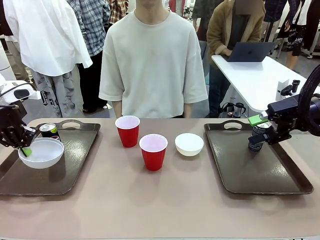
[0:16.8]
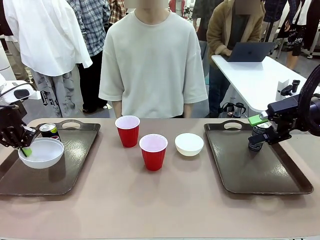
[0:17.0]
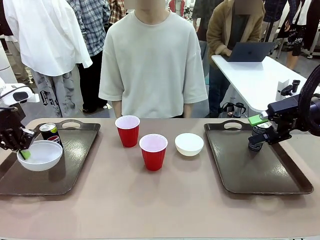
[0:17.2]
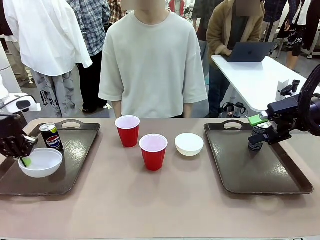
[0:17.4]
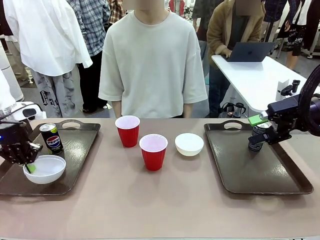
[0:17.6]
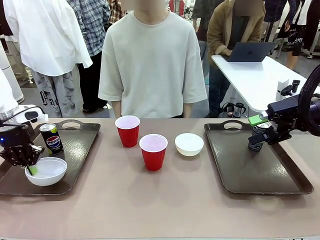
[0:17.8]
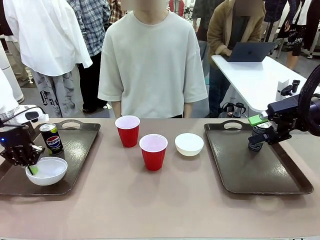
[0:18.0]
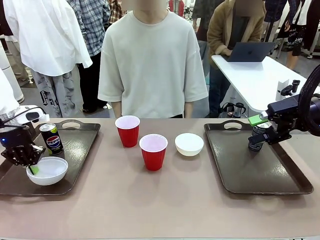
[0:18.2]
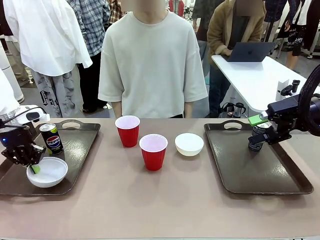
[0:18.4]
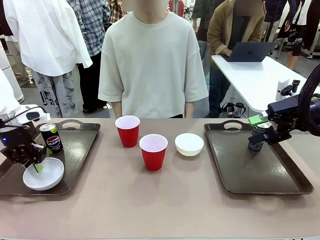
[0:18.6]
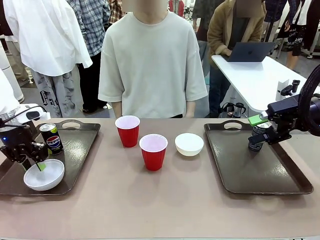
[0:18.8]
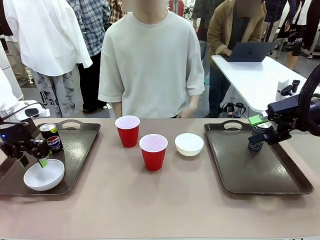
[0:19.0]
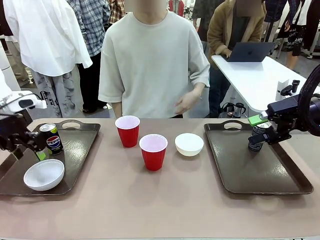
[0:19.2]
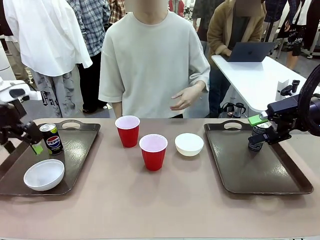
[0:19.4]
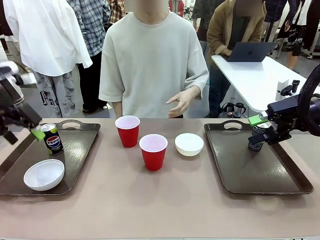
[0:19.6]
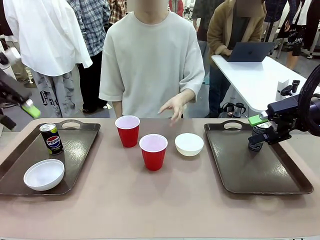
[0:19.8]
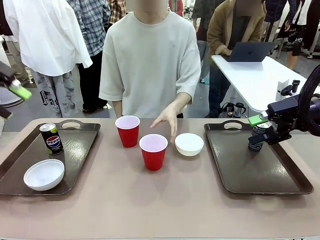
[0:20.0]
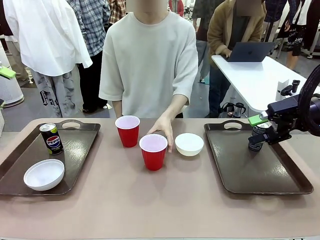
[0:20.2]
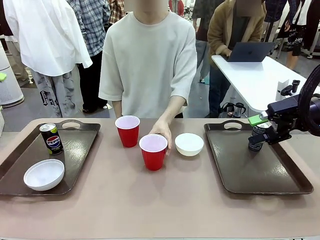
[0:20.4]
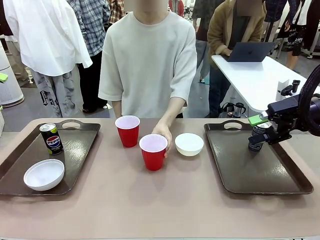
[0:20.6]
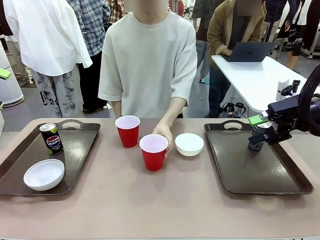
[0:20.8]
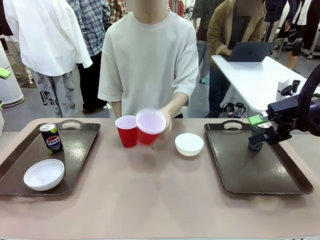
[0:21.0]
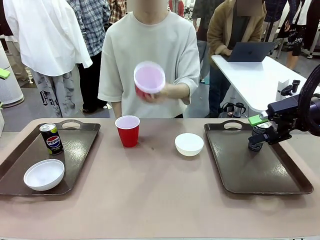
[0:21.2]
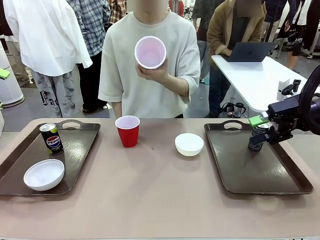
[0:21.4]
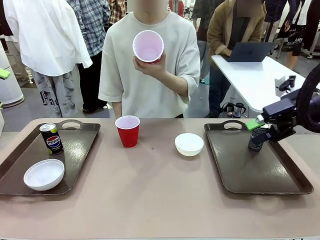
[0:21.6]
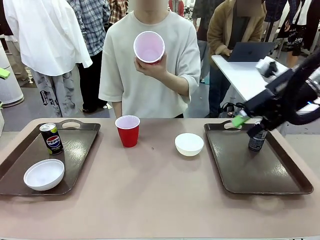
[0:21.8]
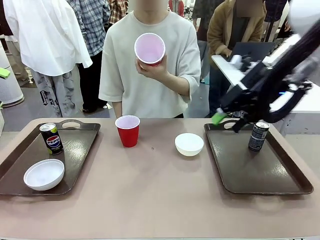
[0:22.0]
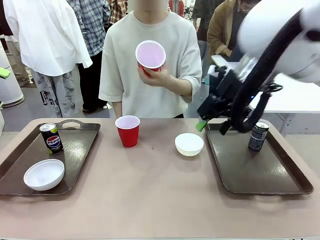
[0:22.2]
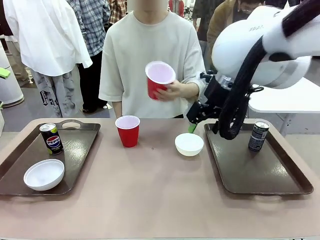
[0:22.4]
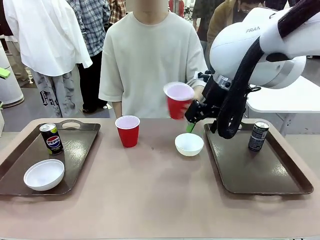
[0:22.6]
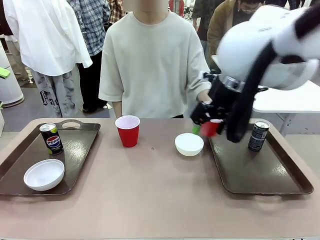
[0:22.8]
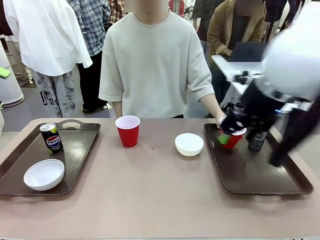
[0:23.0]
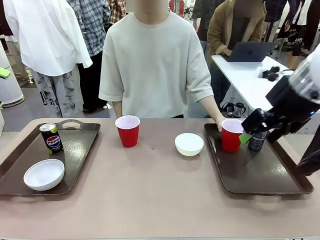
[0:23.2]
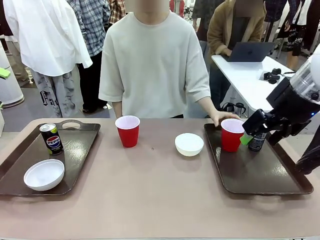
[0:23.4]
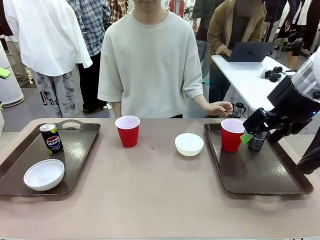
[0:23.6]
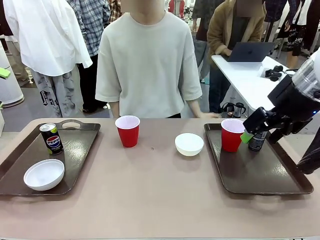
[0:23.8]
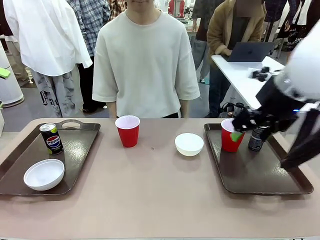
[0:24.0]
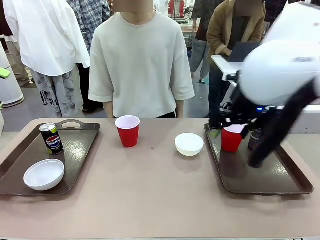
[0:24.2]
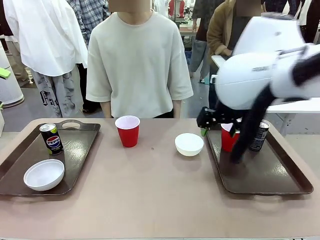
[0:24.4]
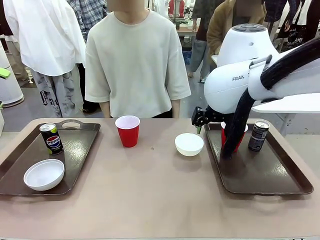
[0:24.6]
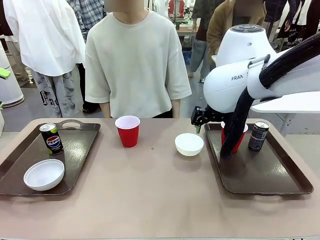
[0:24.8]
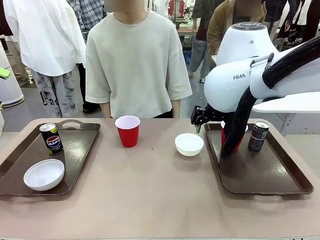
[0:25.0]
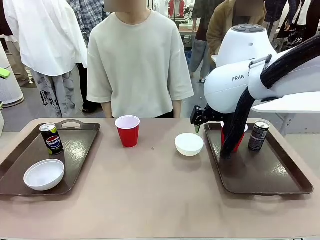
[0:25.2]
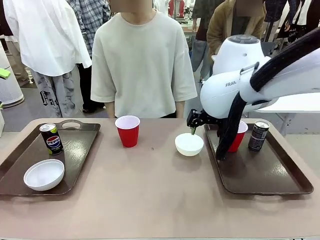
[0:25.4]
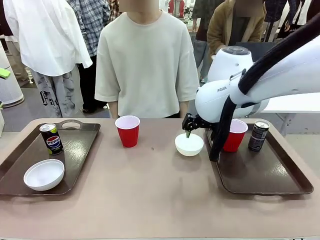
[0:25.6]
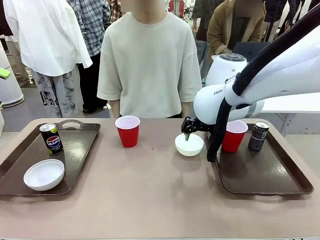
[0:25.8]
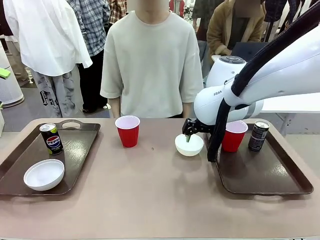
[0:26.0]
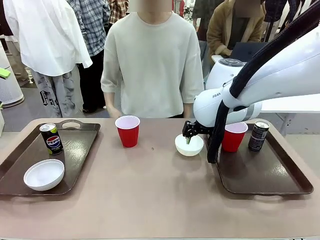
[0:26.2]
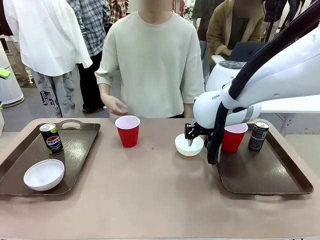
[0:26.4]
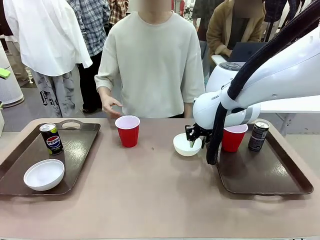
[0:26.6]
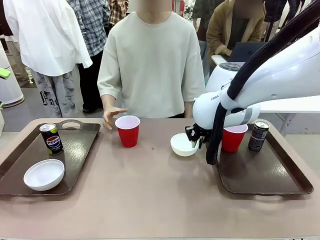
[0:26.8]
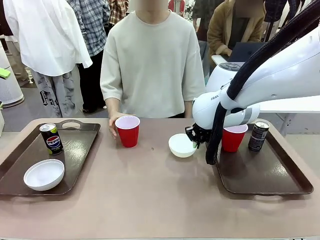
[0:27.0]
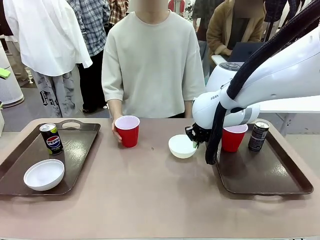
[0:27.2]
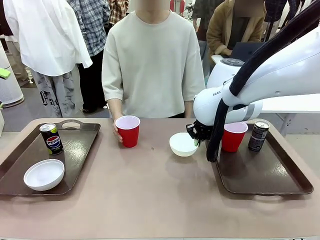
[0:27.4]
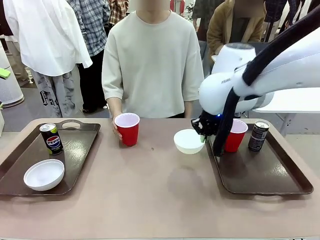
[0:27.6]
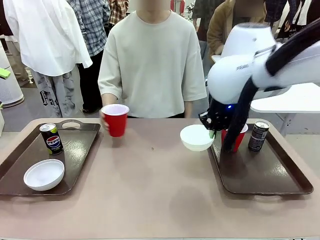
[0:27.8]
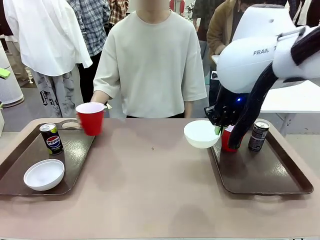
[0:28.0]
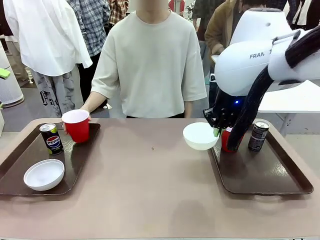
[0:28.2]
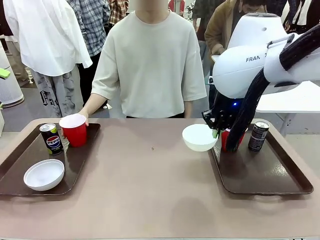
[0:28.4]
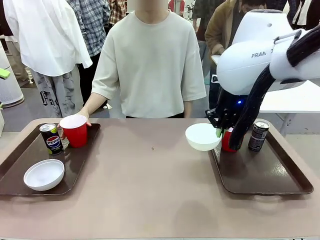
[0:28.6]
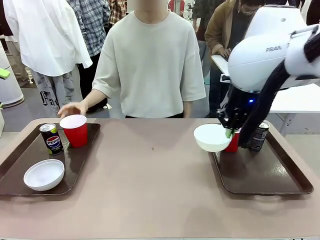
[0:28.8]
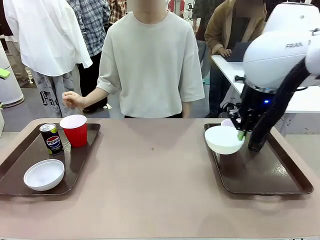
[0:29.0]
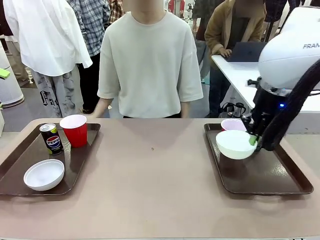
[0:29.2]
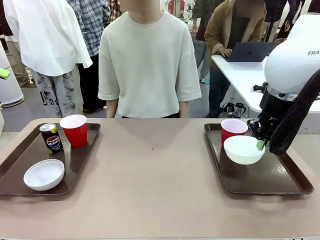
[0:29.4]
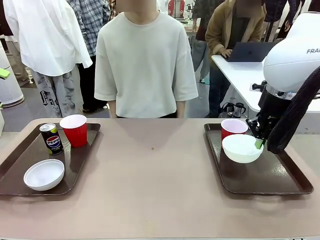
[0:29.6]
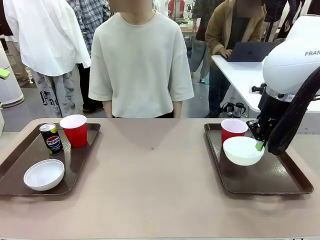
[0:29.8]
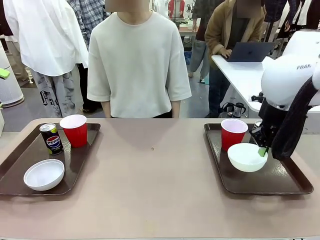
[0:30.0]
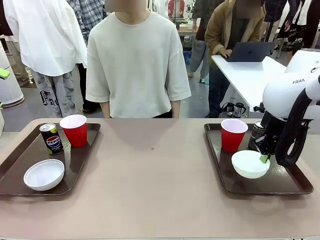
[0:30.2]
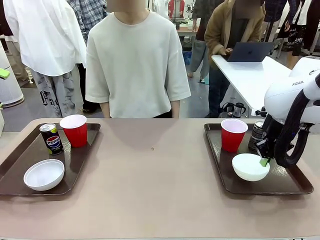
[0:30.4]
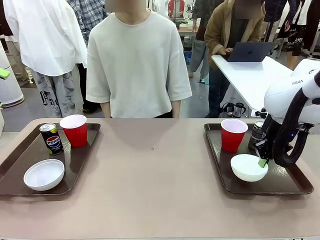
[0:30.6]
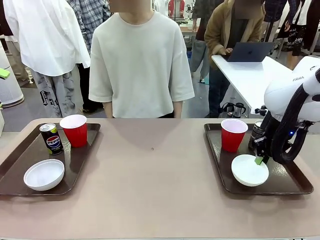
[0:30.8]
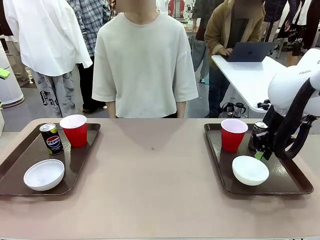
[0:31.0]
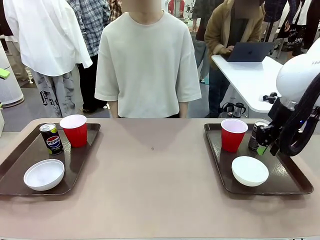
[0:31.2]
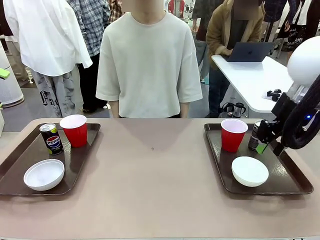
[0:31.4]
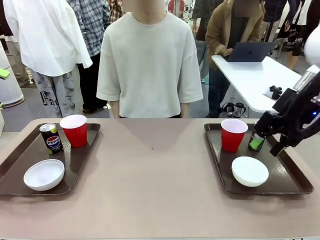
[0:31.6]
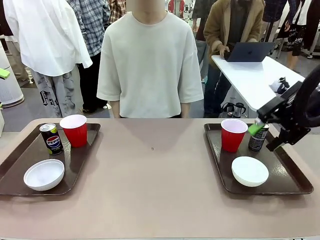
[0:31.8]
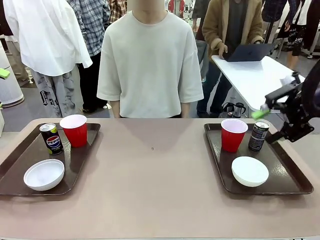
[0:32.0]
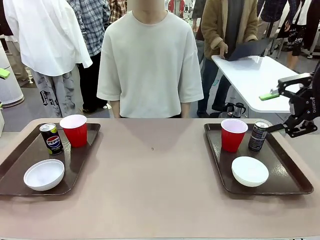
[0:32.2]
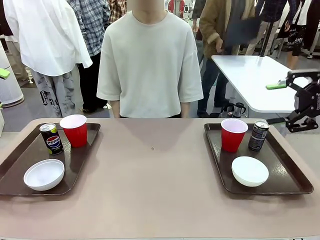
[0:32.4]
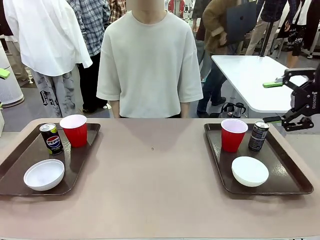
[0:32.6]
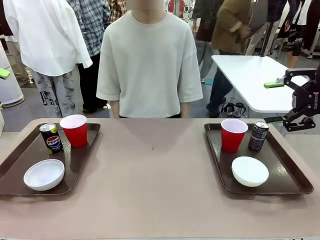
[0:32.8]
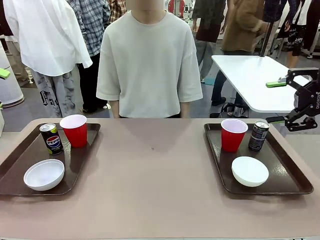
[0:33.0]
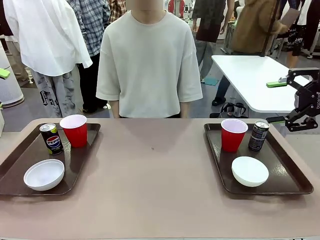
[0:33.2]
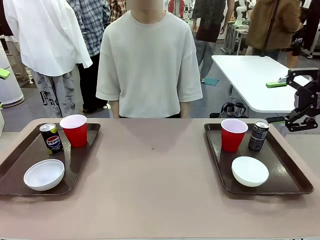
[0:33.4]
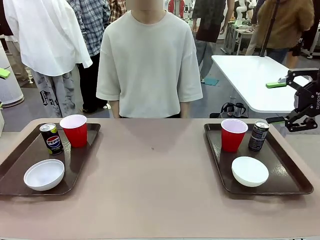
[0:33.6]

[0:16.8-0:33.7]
Task: Prepare tableware on both trays.
Robot: Pick up a Picnic Bowl from the table and place it on a Handle tray.
Person: Pick up a can or cup and place it on the tray without a can or cup.
